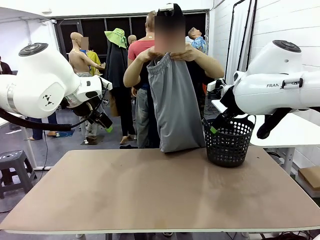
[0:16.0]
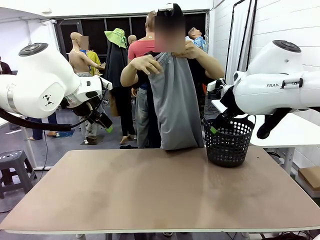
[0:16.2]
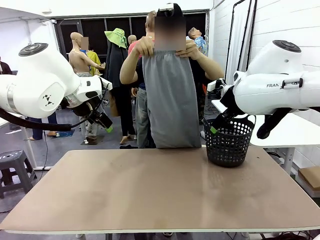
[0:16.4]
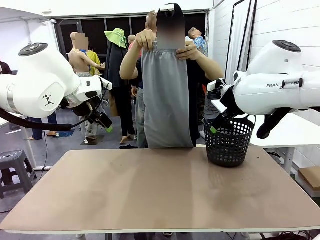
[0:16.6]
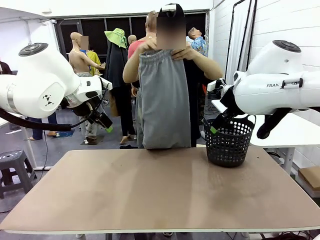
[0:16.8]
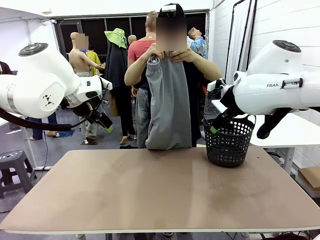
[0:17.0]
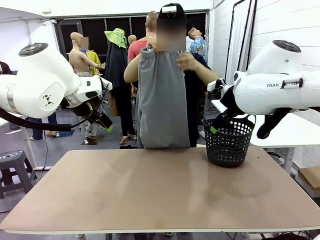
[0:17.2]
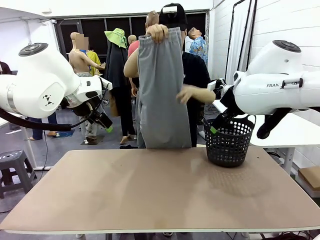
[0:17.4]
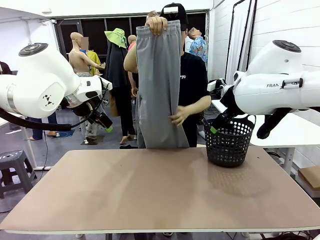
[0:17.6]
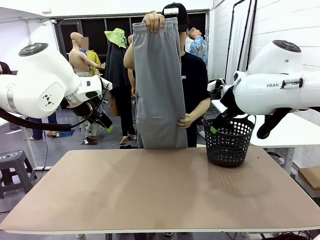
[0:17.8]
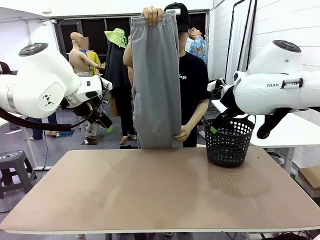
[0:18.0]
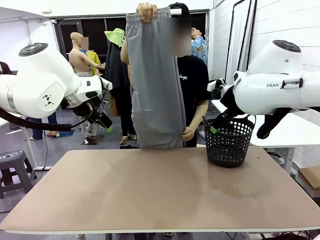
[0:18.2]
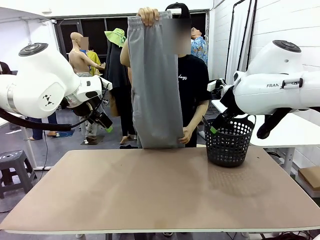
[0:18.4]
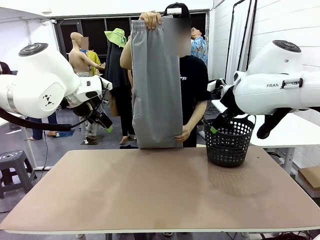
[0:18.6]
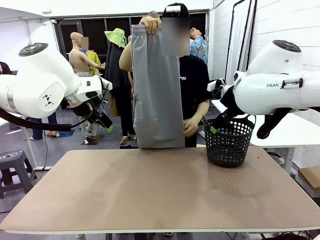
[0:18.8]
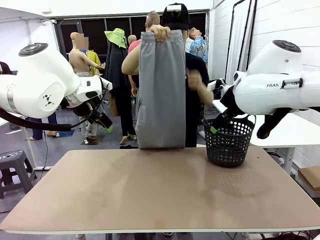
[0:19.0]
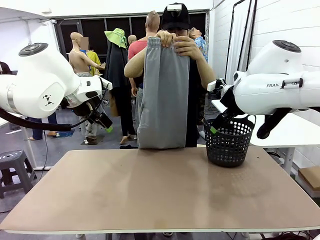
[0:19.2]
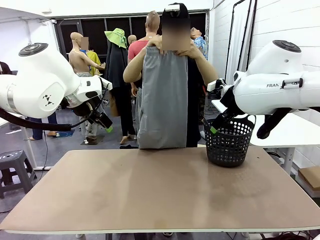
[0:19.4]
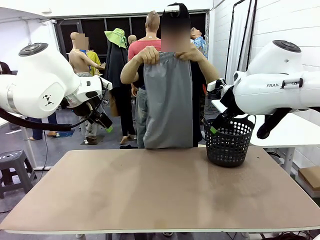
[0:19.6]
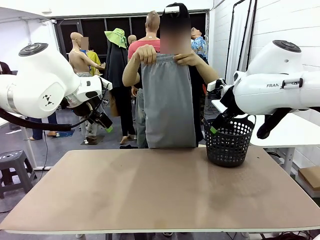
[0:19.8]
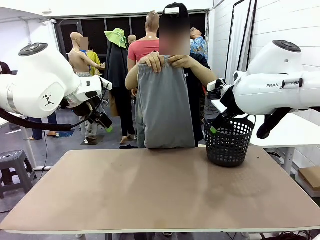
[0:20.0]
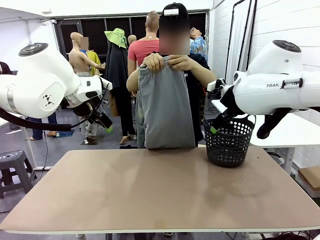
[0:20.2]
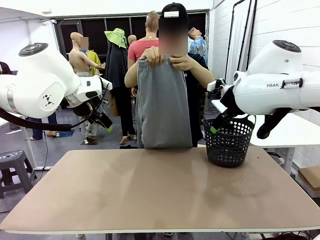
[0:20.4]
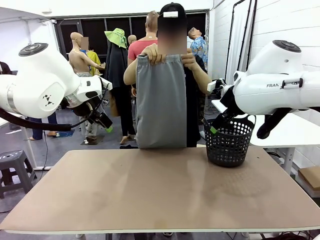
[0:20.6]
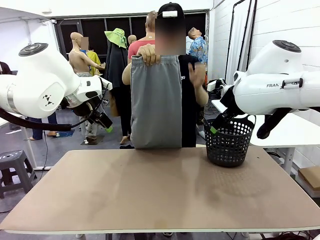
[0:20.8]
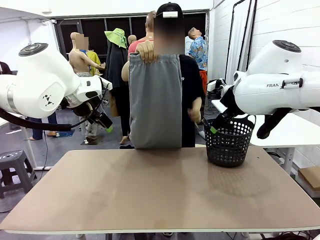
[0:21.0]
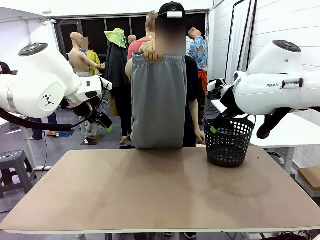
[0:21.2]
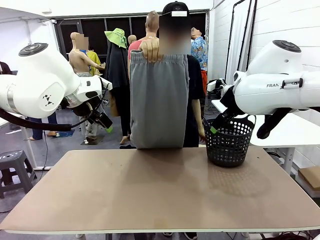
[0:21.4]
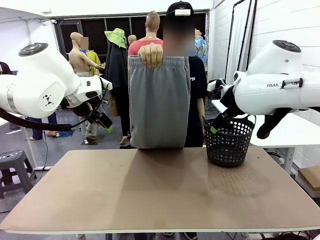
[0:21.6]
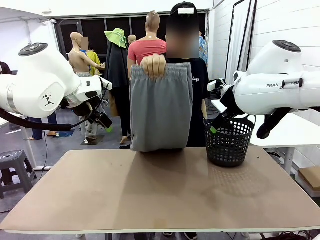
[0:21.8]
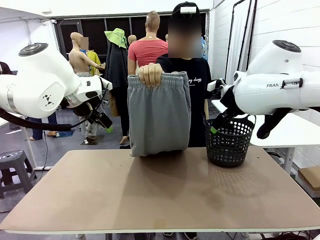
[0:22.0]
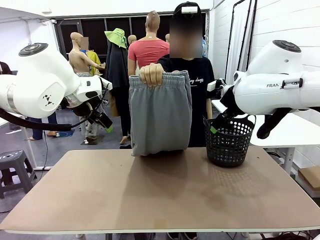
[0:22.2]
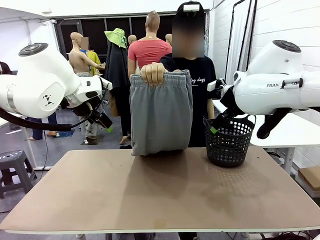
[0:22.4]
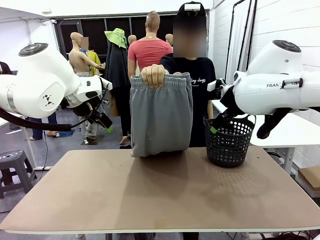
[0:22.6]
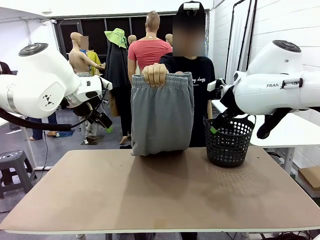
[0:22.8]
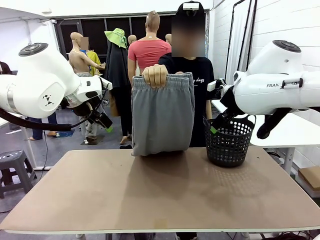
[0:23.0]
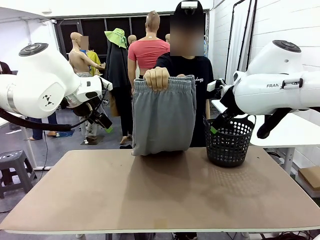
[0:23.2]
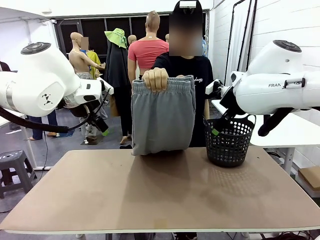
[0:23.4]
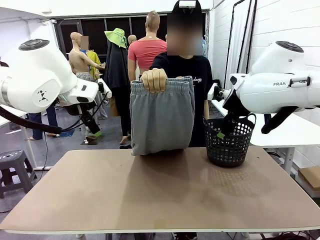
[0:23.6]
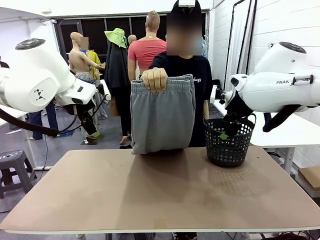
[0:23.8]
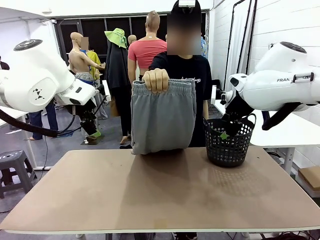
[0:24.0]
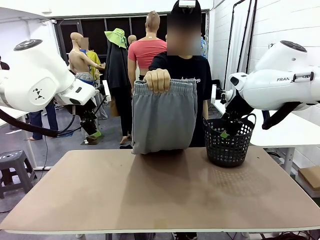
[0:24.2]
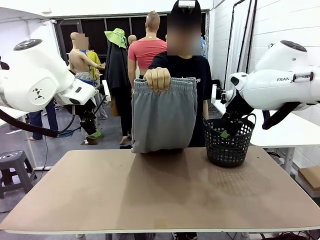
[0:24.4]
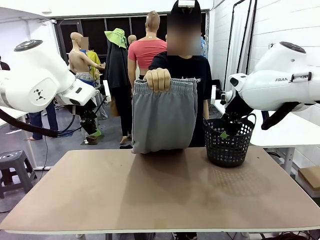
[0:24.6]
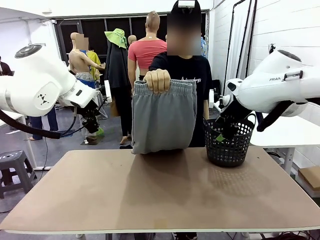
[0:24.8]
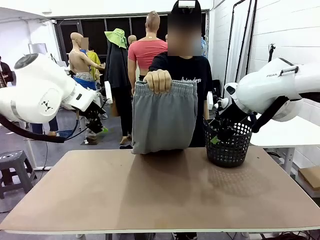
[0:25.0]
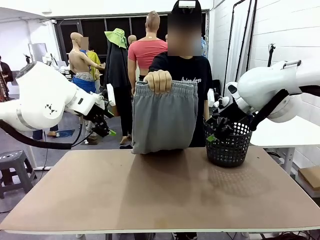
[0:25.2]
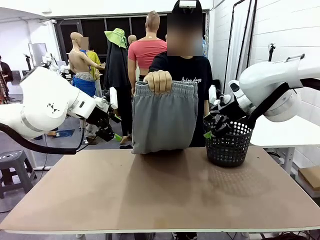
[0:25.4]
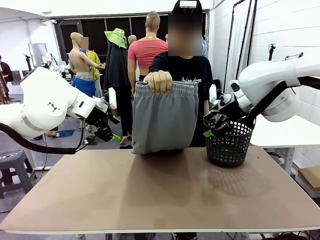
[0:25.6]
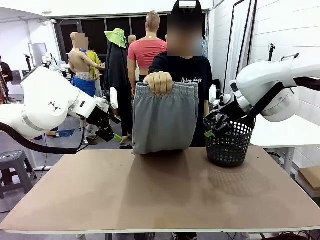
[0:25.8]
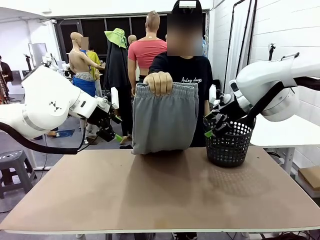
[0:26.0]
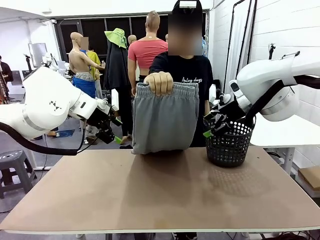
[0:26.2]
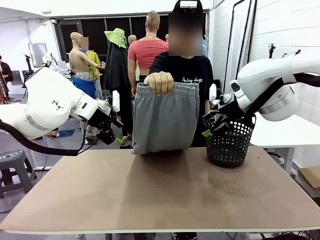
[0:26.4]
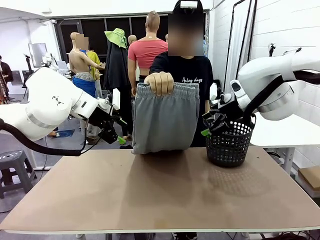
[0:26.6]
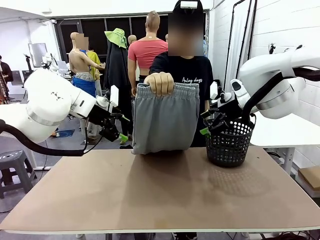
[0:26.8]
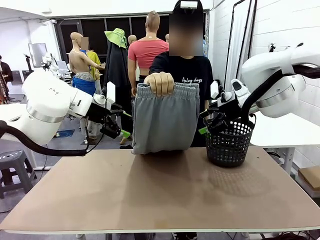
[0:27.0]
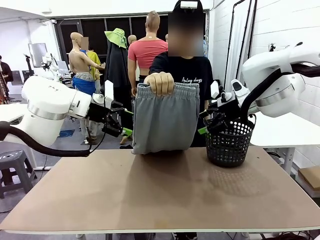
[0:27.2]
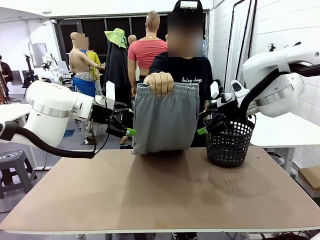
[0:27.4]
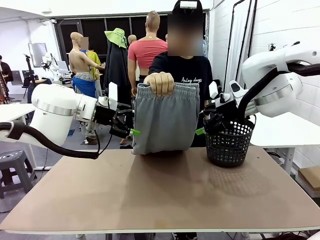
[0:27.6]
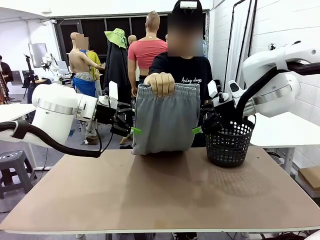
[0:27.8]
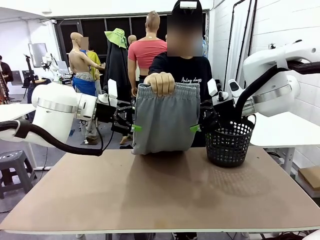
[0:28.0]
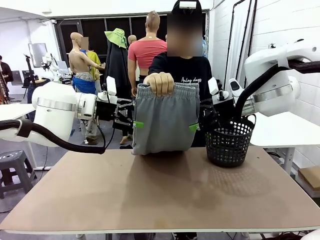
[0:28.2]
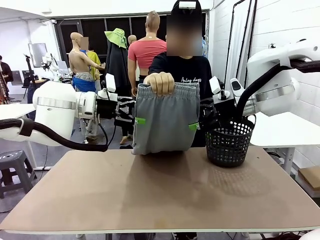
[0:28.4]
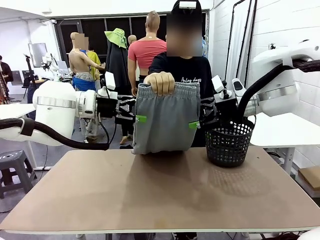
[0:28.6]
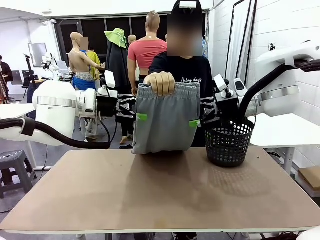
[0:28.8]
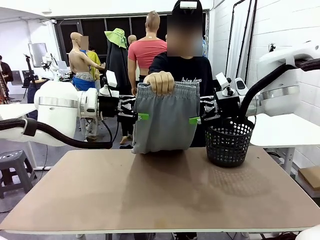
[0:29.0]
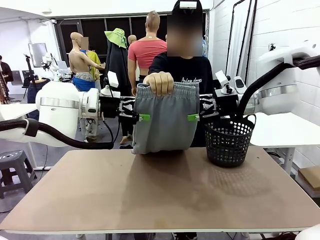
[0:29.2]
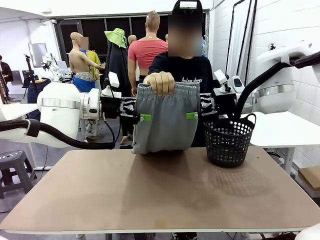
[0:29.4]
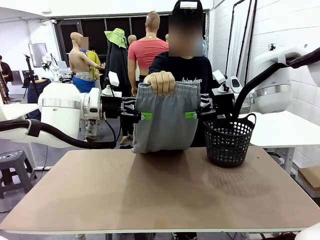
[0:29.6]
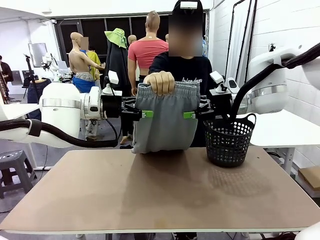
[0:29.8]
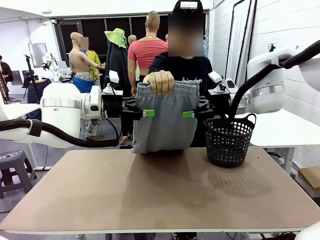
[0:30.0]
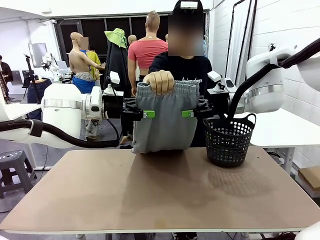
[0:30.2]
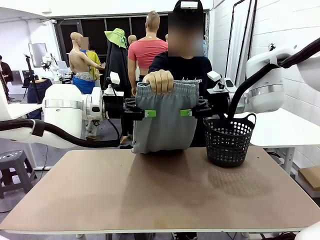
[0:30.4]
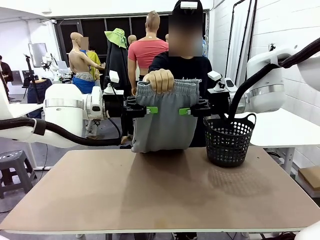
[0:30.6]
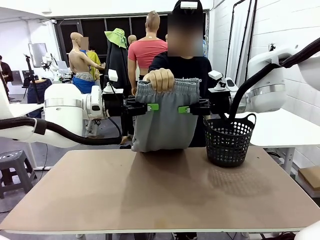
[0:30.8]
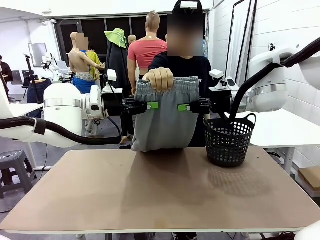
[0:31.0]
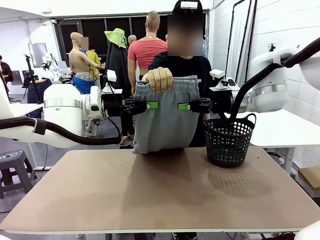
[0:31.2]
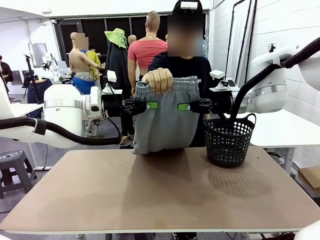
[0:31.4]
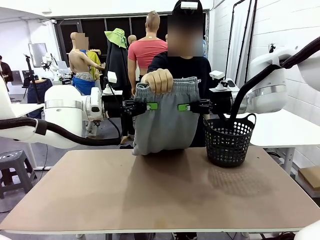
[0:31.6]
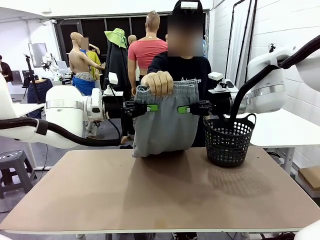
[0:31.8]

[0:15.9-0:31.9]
Task: Fold the training pants.
Robot: Grab both ends of the Training pants handed by a person.
